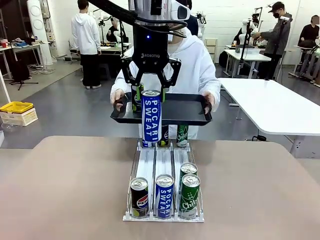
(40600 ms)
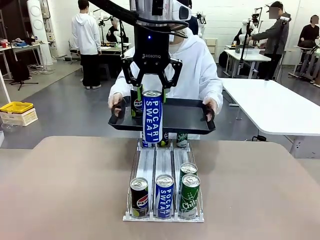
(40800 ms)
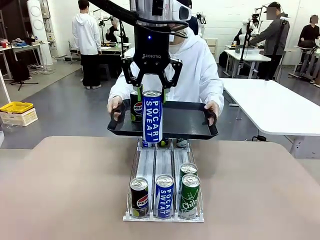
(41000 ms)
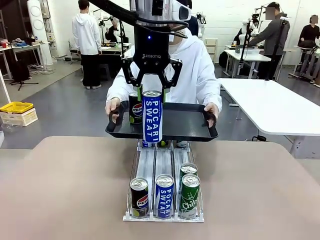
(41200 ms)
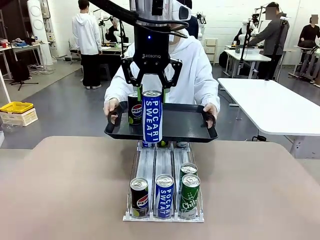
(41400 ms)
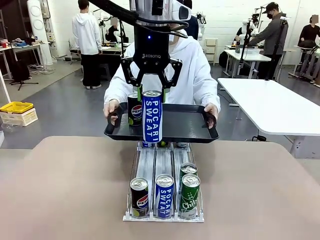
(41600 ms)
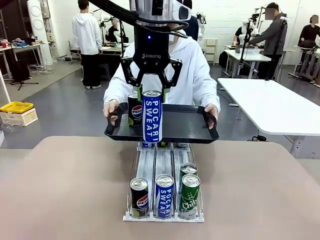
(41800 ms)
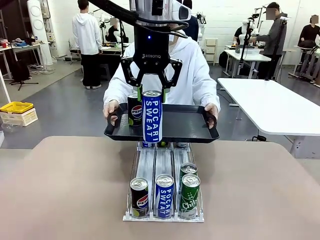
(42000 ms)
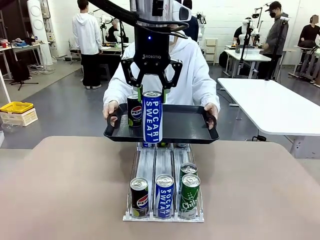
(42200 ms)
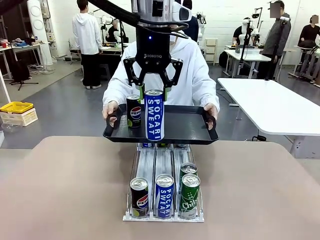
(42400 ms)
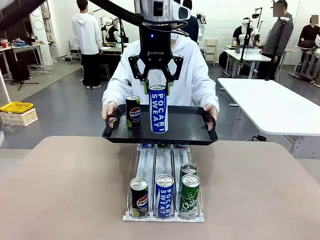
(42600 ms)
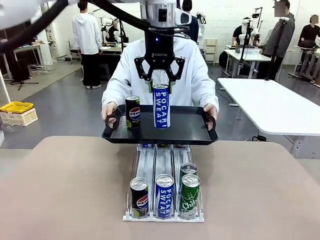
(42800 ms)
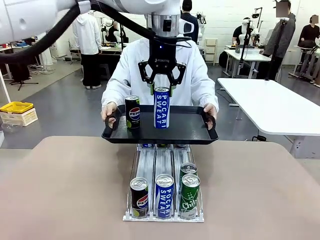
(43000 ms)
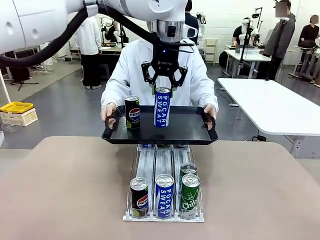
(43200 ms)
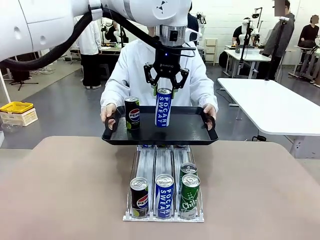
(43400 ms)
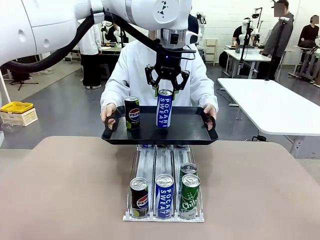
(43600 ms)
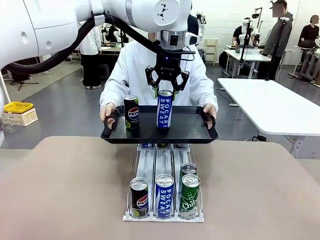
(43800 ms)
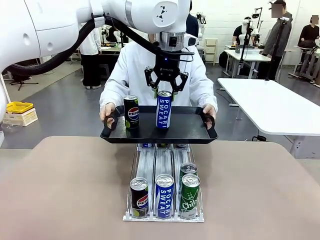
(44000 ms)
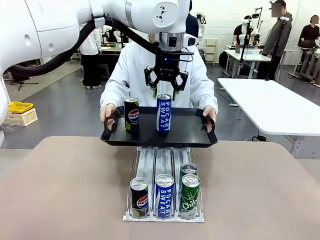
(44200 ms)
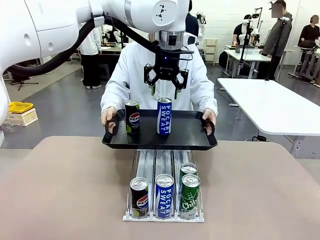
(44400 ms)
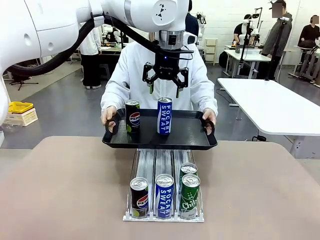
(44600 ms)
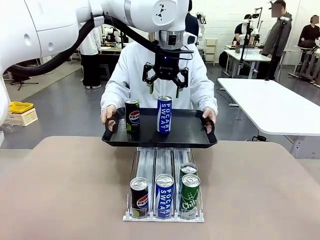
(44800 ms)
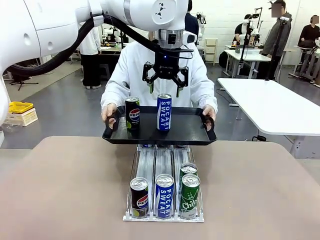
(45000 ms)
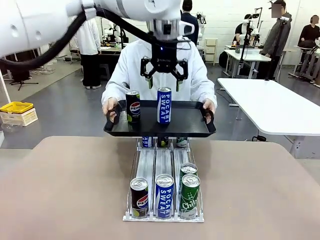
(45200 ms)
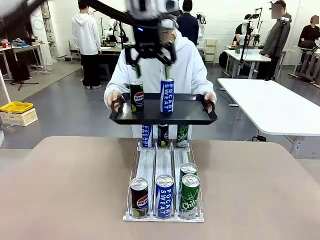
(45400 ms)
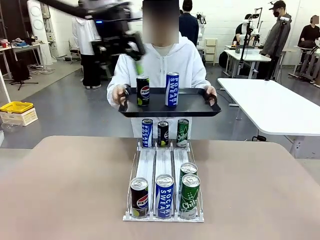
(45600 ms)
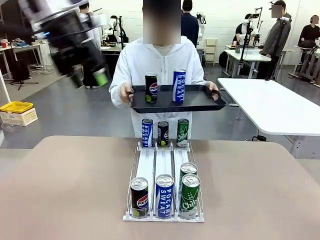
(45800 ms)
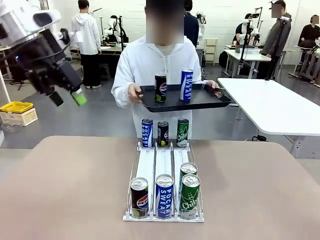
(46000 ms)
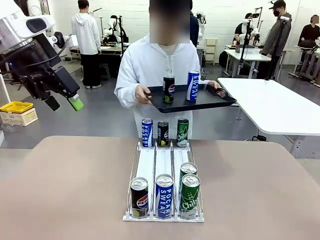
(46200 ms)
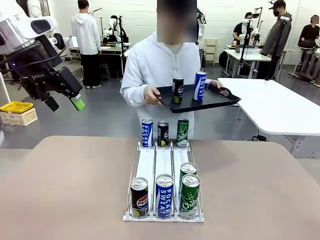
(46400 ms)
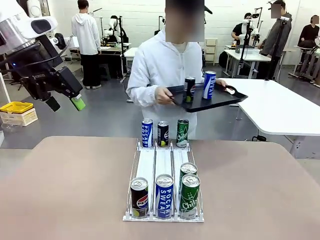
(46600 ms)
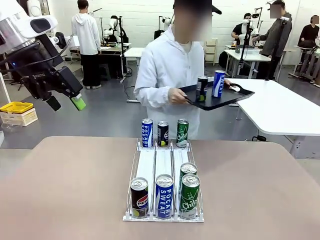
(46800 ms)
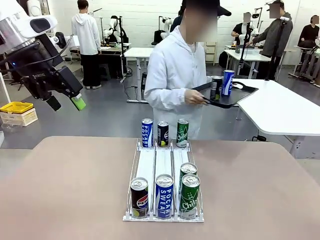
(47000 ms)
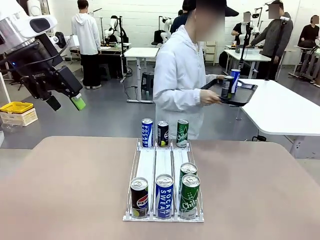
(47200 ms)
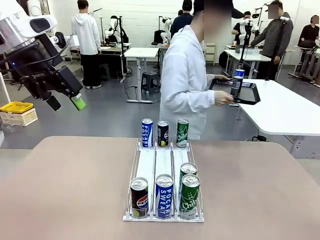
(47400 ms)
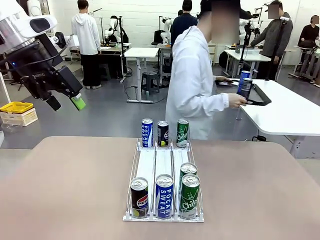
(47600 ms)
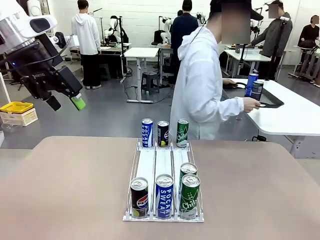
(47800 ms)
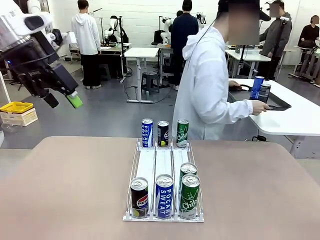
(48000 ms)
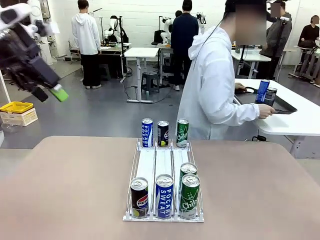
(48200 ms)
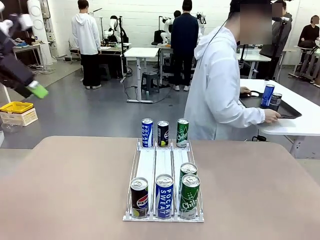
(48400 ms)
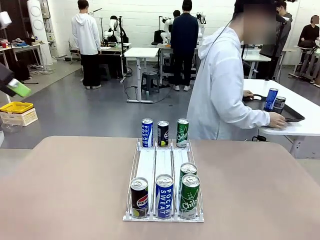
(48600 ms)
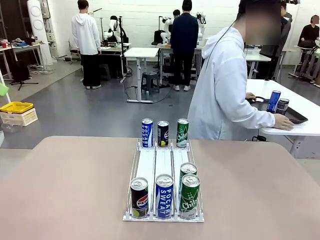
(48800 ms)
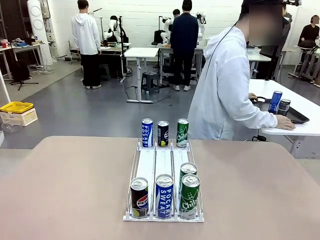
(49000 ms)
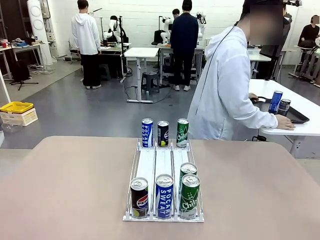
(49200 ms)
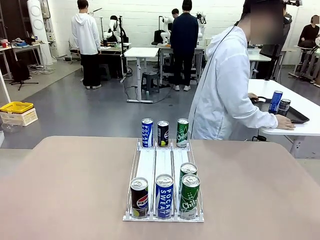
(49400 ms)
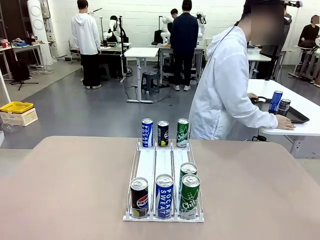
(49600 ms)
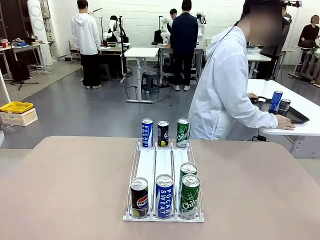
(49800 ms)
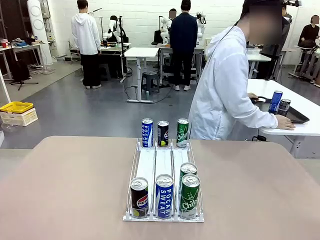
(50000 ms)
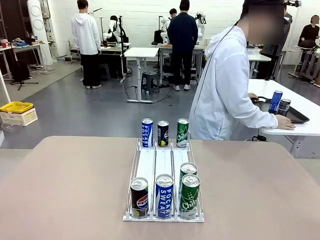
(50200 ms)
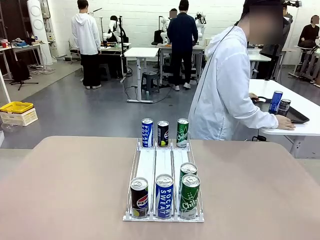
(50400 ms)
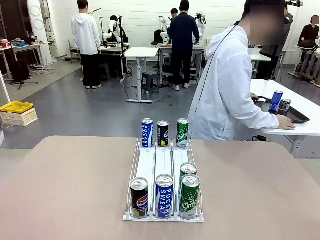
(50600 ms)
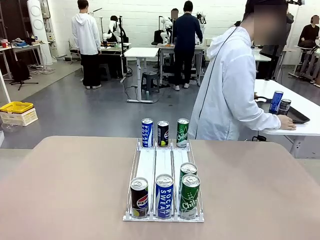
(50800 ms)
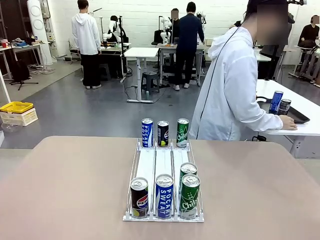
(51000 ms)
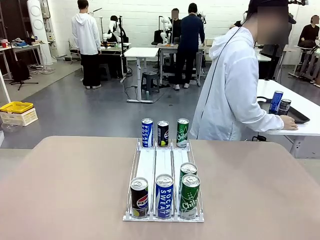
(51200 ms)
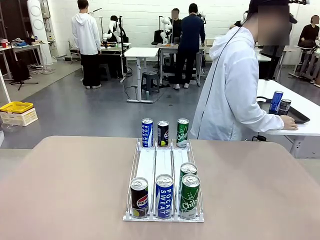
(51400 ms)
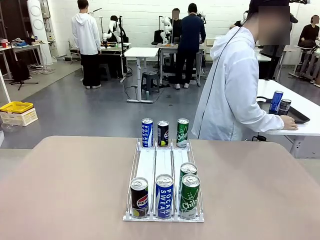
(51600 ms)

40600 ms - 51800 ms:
Task: Retrieve and hand over the desired beverage to the person.
Robot: Place the picked can on the Handle tray extended by the person.
Person: Pull the tray back and place it at the center of the human table.

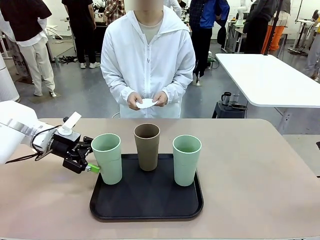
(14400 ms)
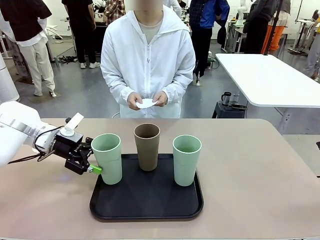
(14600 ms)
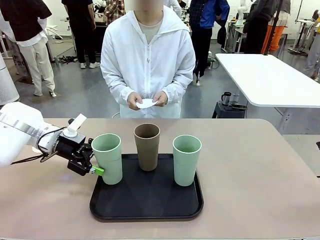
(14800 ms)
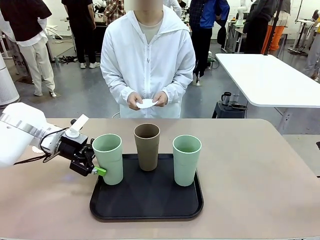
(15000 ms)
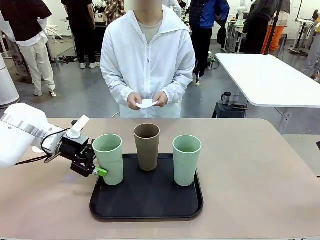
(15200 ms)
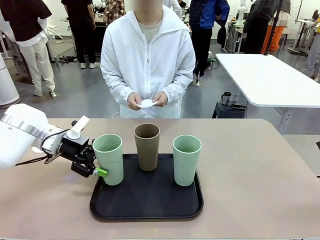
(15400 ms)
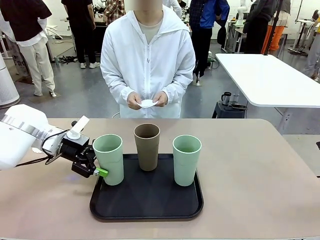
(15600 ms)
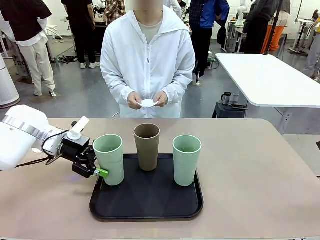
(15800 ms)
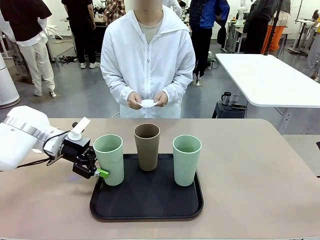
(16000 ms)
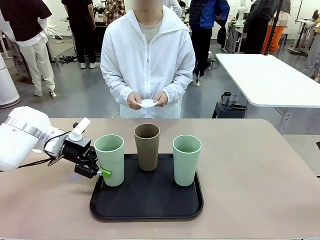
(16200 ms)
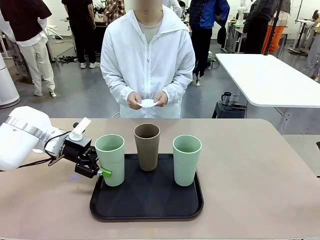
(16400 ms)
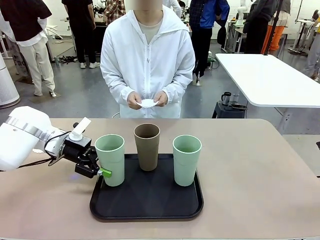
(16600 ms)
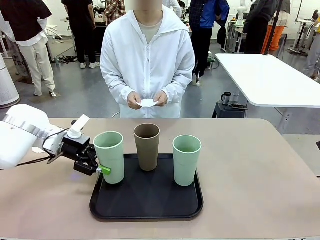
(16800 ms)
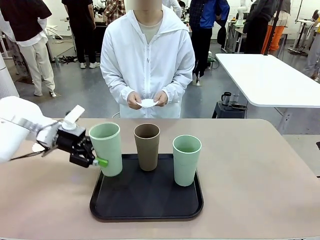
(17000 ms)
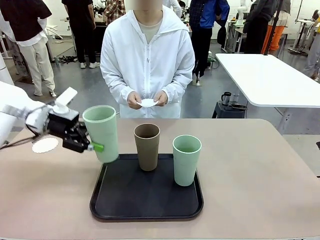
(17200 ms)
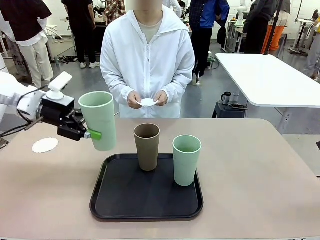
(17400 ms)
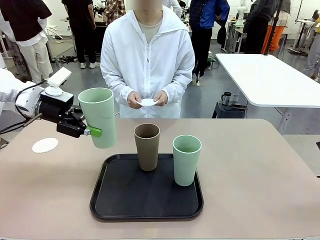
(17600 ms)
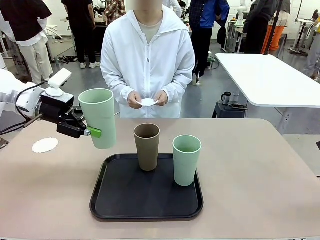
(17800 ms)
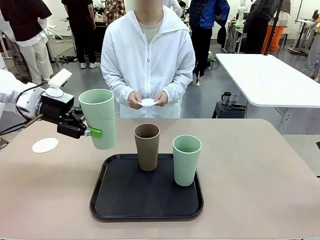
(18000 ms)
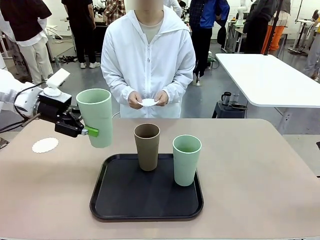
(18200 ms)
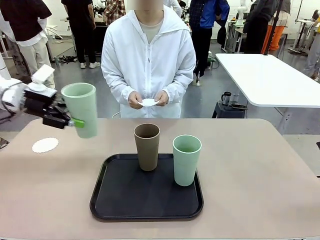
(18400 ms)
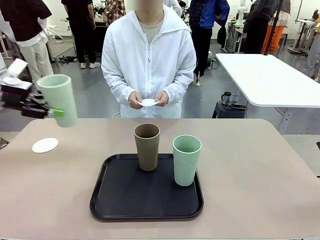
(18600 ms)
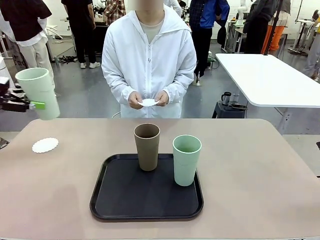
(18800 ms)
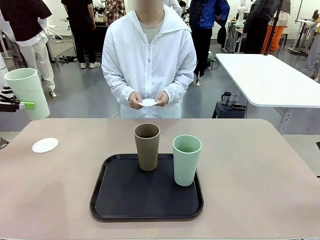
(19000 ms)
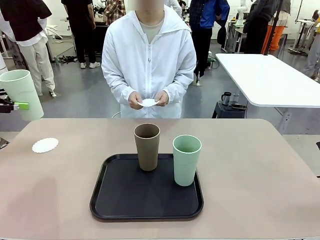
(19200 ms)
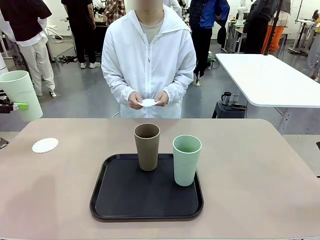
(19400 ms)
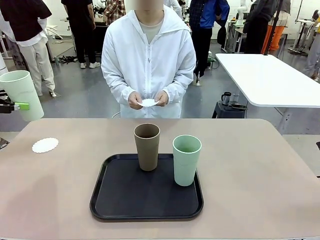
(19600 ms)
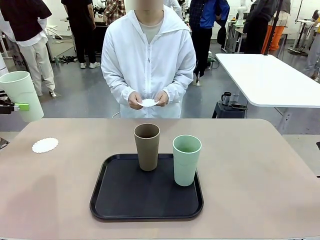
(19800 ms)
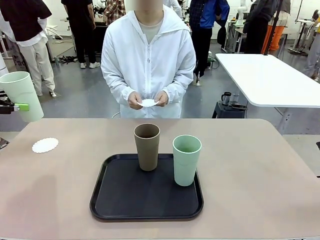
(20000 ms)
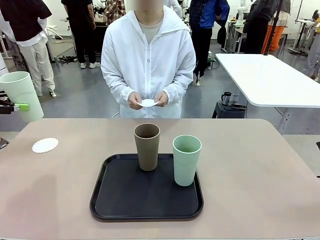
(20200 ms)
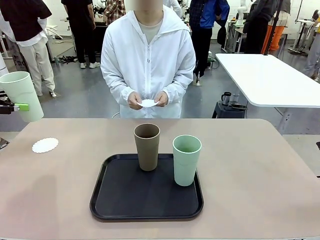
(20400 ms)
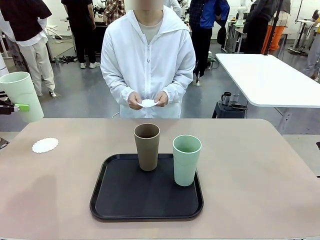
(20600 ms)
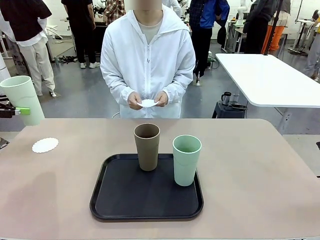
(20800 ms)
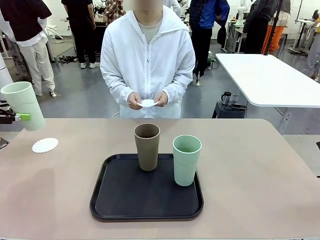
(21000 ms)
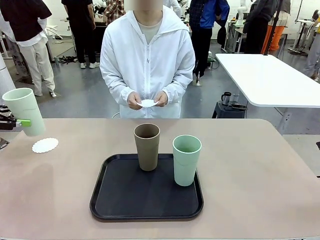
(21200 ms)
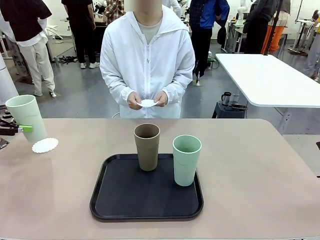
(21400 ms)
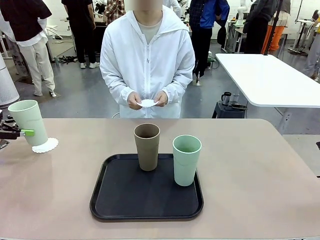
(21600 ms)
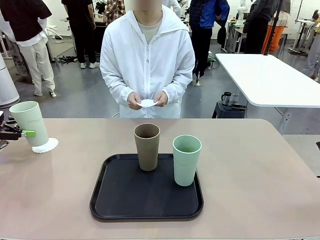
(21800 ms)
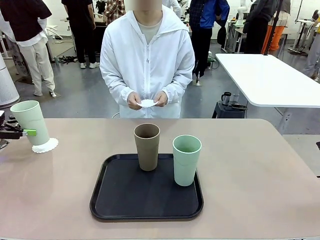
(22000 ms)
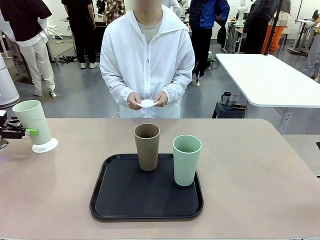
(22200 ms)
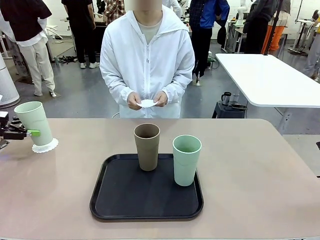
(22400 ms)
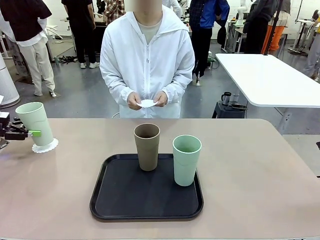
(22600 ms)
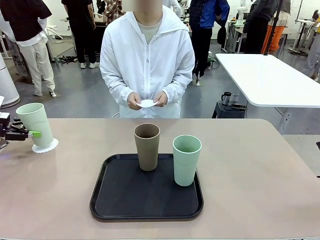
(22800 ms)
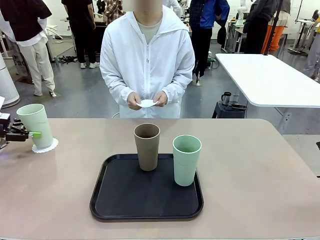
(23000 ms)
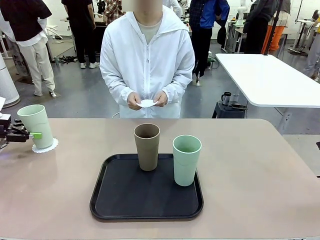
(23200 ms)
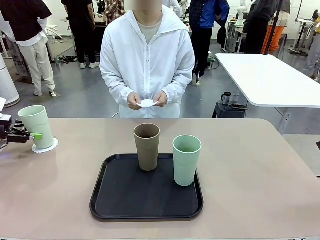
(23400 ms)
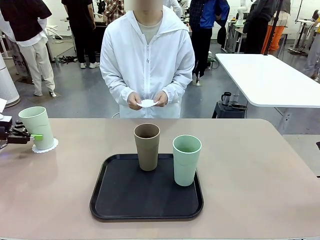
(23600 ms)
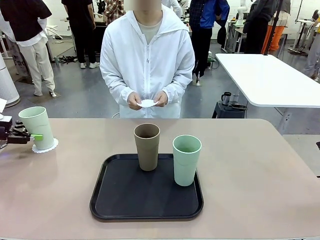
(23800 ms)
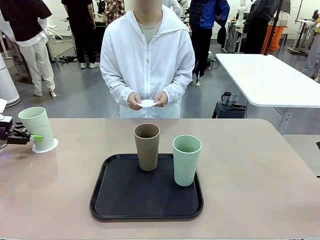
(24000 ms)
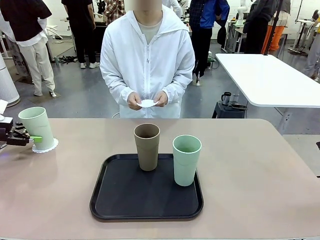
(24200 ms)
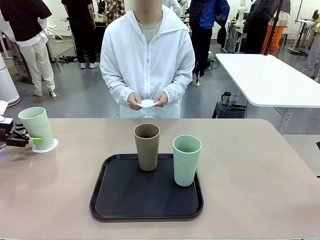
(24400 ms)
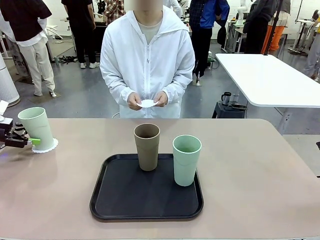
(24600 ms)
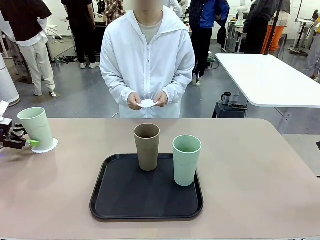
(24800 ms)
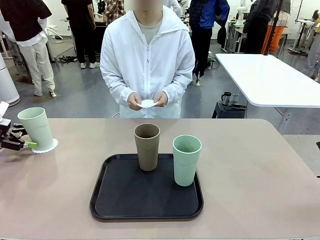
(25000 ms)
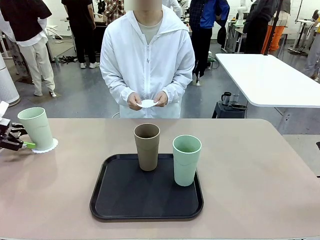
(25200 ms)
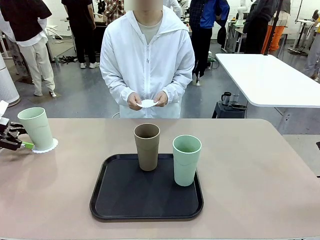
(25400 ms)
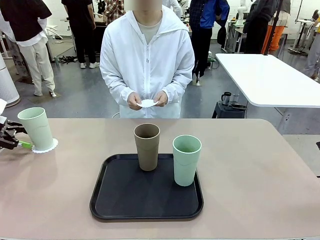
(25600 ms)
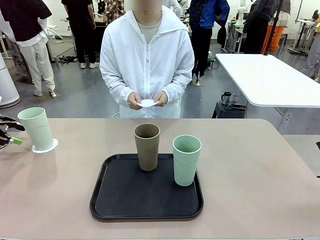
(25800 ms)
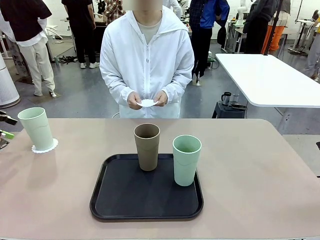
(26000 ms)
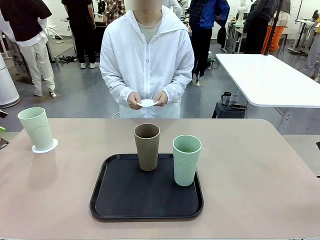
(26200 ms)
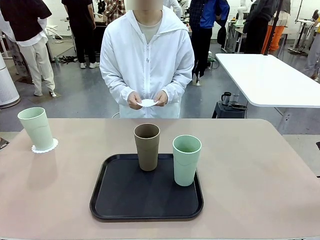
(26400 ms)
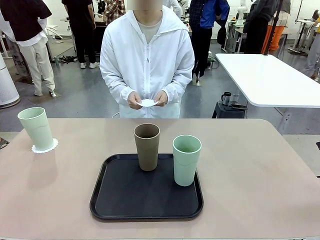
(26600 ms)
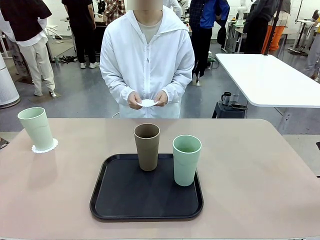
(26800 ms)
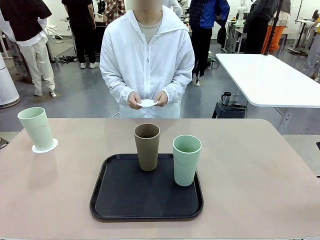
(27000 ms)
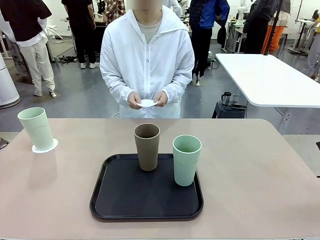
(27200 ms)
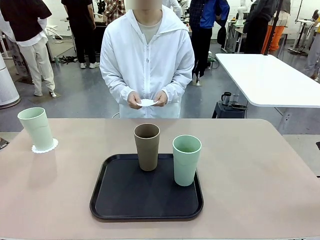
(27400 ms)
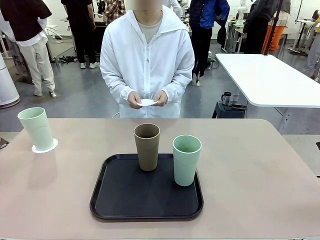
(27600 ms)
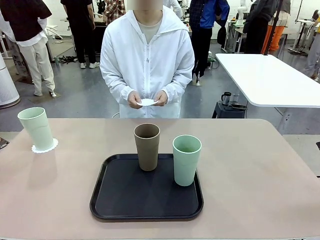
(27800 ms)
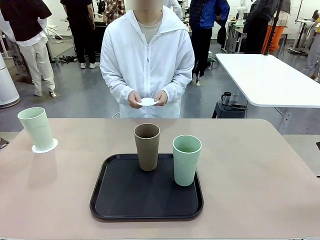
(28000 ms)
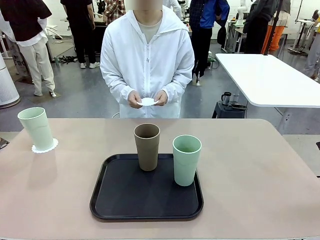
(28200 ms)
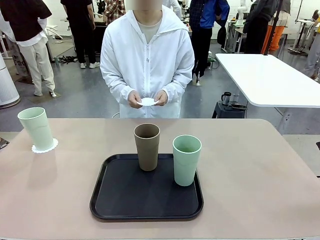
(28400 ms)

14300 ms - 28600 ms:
Task: Place coasters on the table and set cups on them.
Robot: Pick up one Reusable plastic cup and place it on a coaster set by the human.
Person: Place one coaster in one of the two areas excluding the previously selected area.
